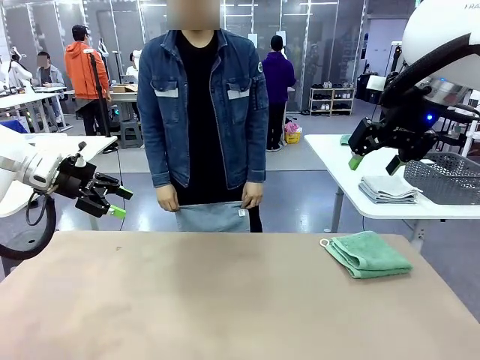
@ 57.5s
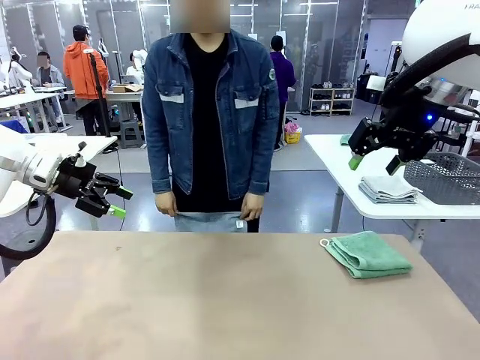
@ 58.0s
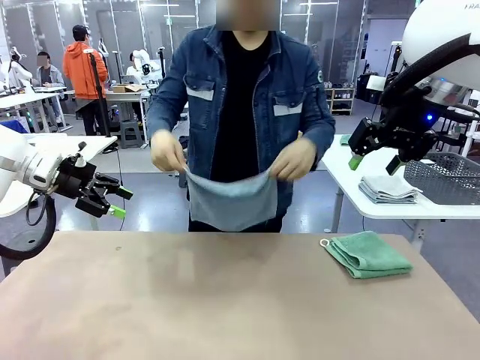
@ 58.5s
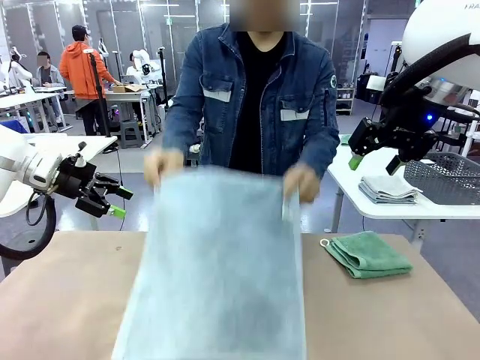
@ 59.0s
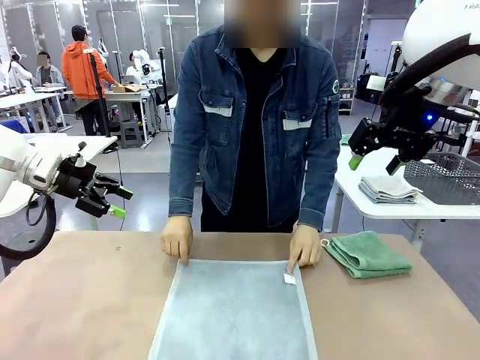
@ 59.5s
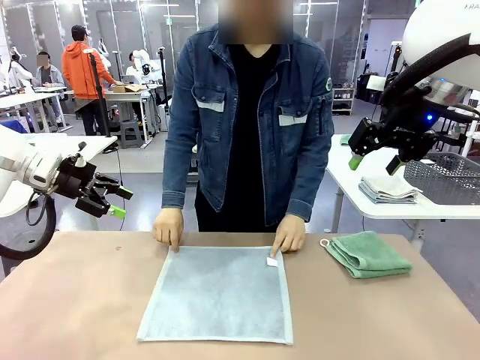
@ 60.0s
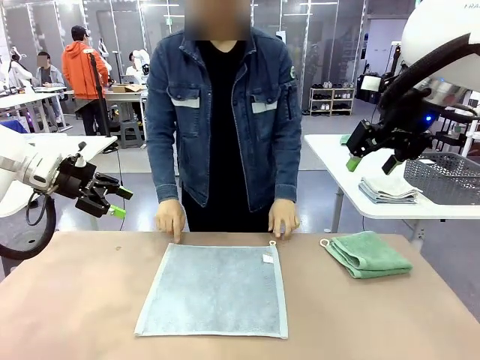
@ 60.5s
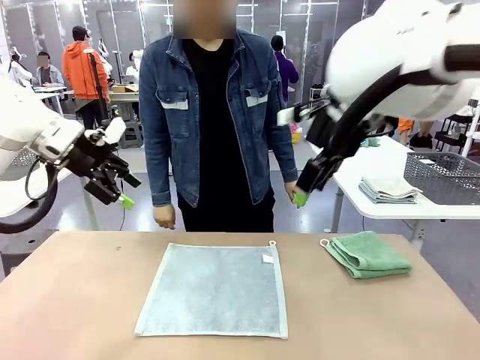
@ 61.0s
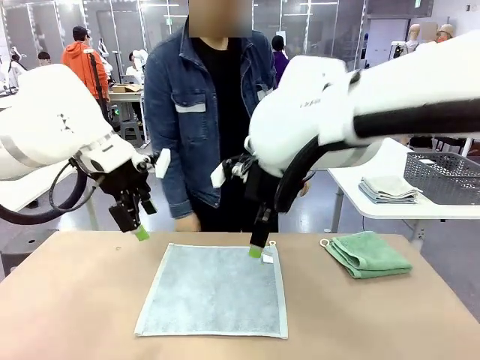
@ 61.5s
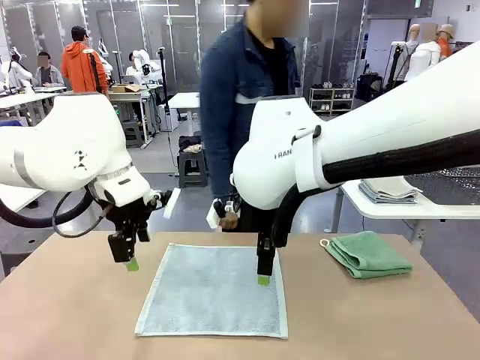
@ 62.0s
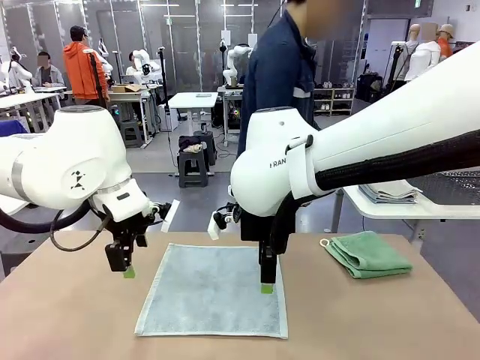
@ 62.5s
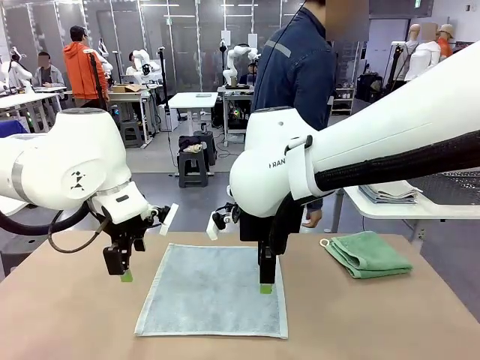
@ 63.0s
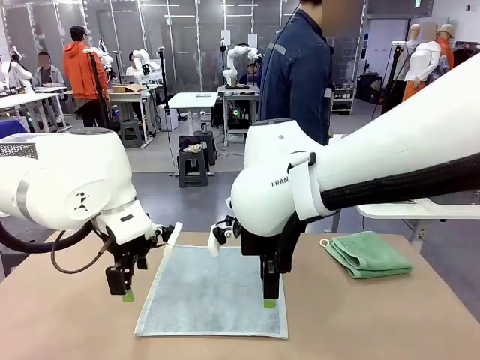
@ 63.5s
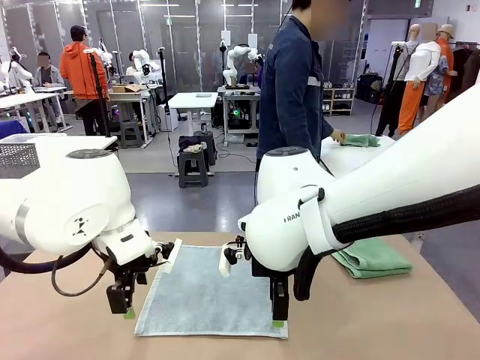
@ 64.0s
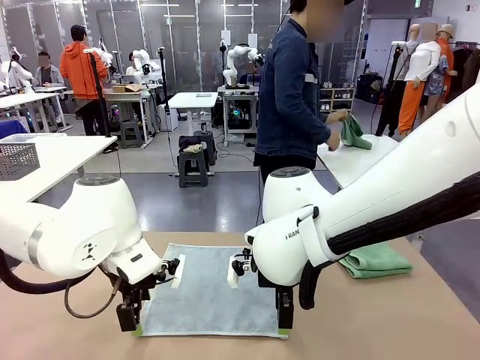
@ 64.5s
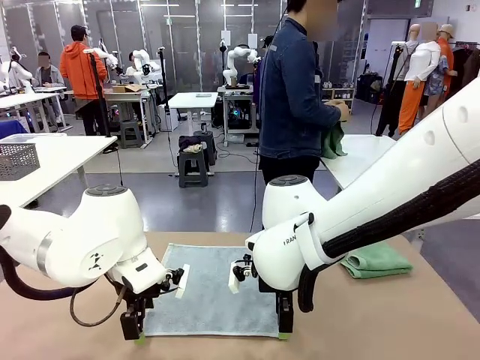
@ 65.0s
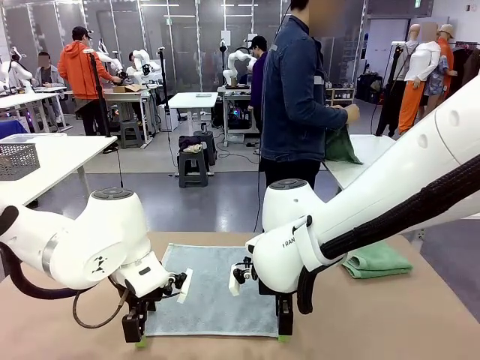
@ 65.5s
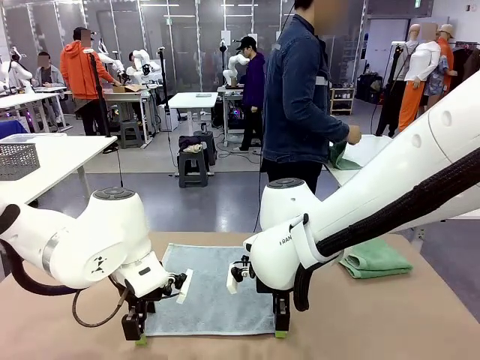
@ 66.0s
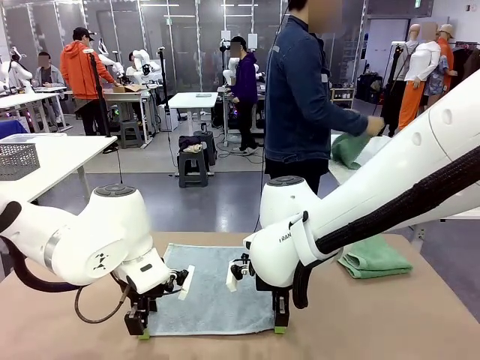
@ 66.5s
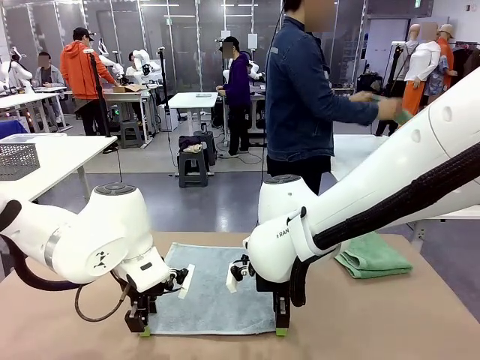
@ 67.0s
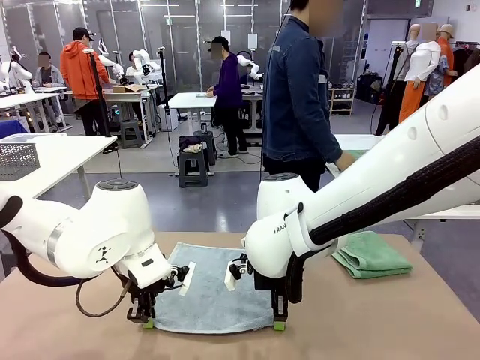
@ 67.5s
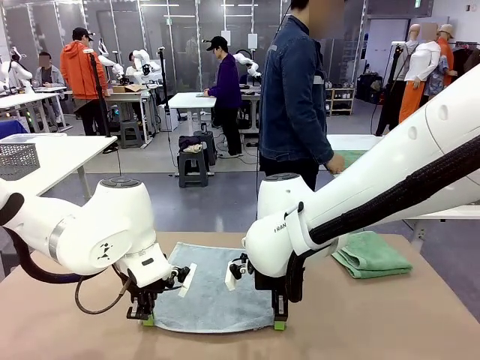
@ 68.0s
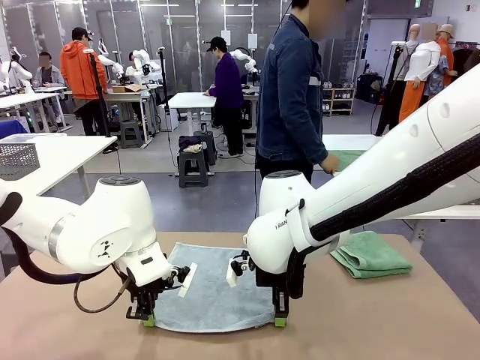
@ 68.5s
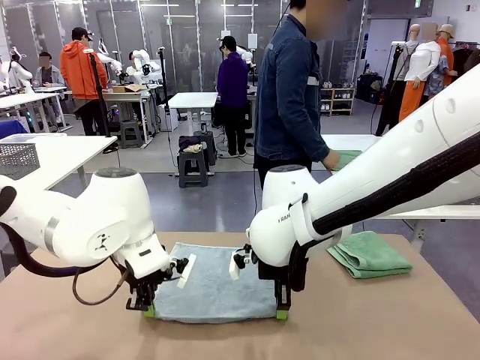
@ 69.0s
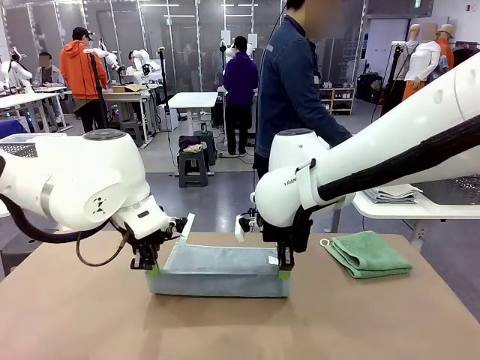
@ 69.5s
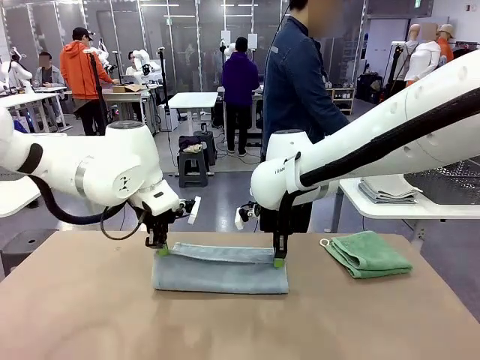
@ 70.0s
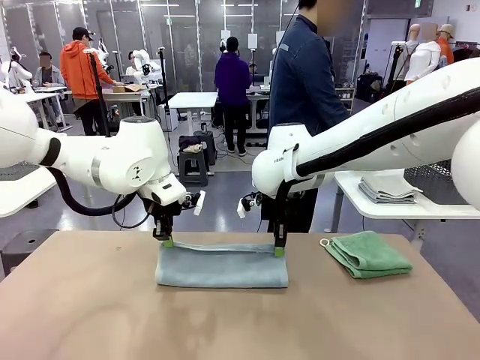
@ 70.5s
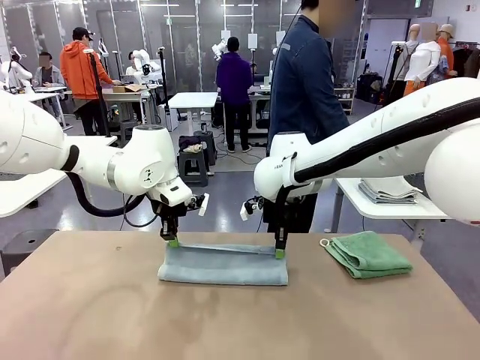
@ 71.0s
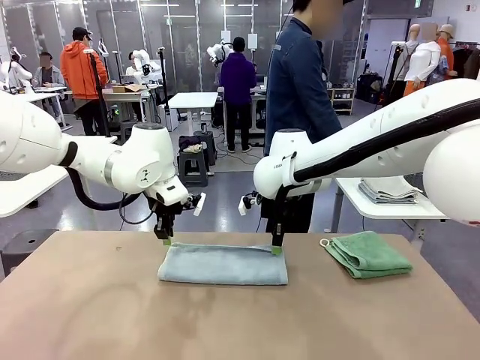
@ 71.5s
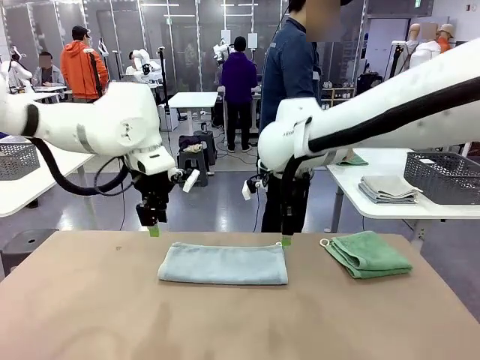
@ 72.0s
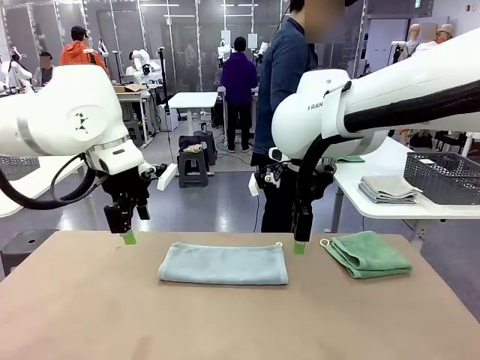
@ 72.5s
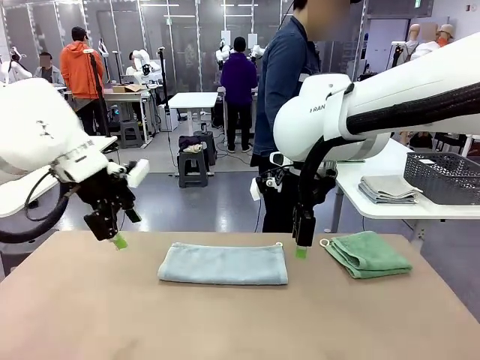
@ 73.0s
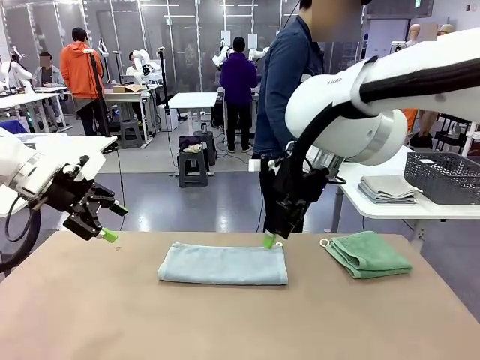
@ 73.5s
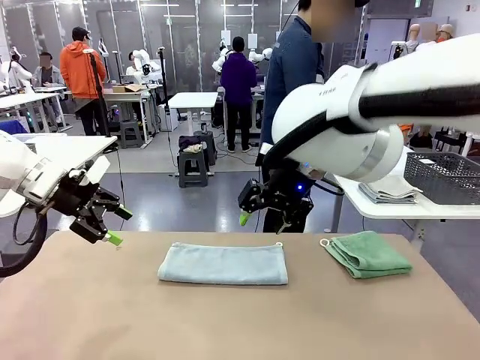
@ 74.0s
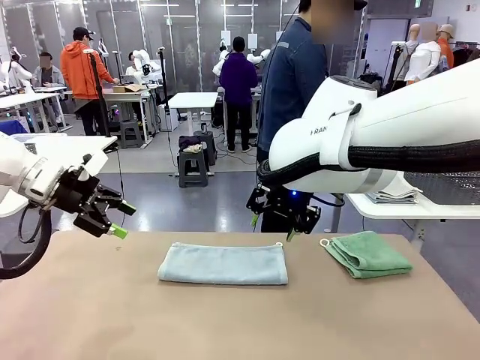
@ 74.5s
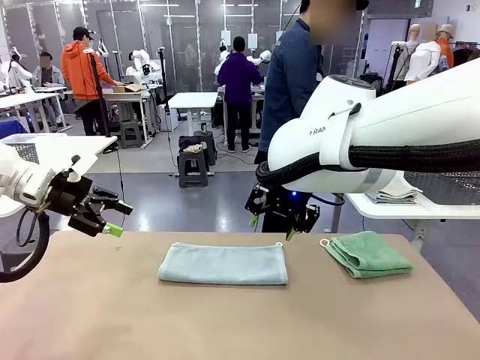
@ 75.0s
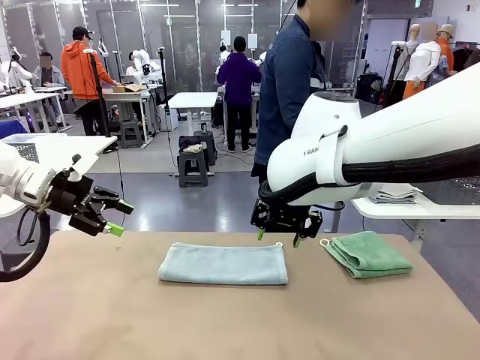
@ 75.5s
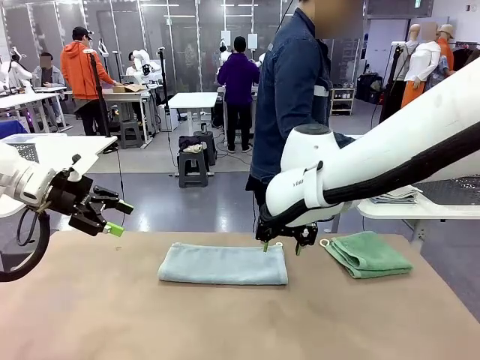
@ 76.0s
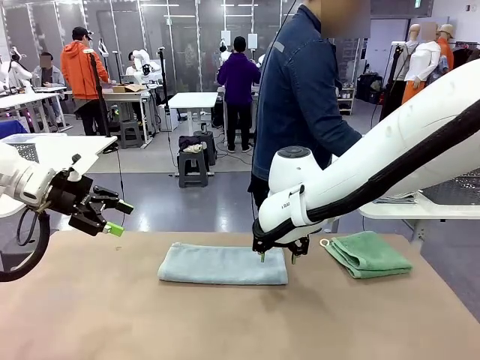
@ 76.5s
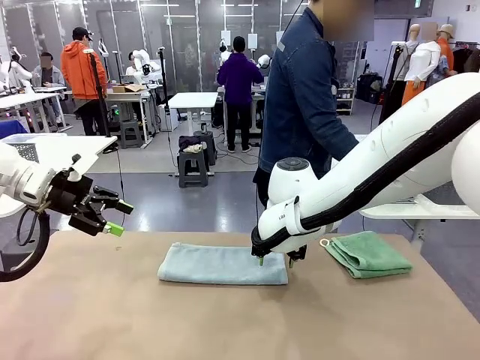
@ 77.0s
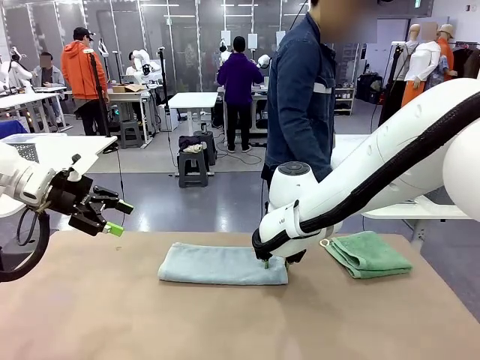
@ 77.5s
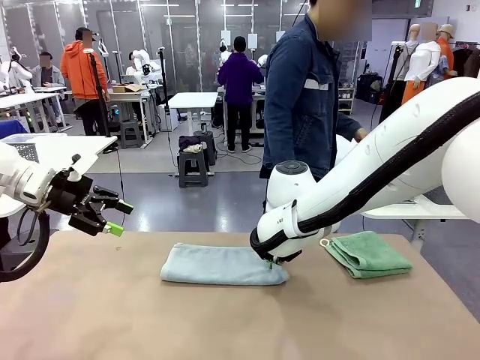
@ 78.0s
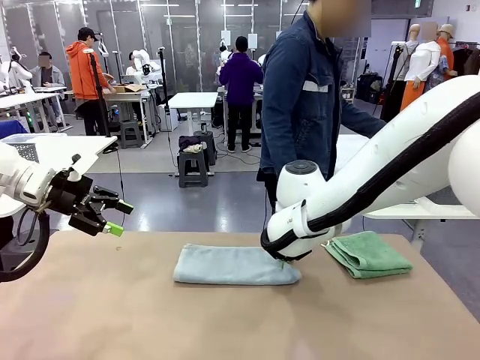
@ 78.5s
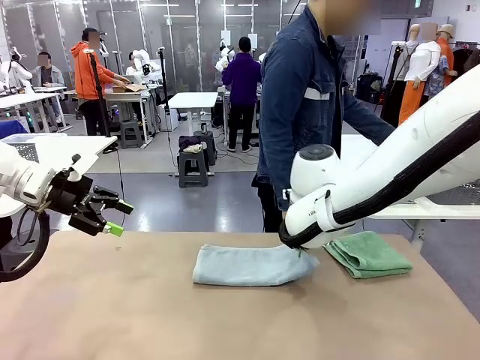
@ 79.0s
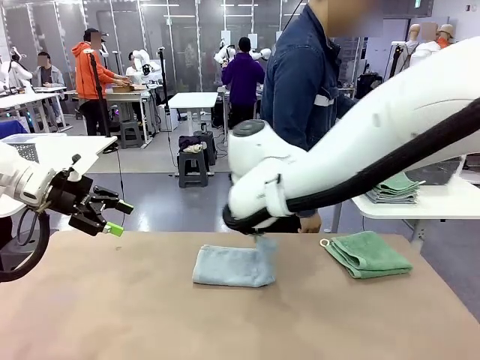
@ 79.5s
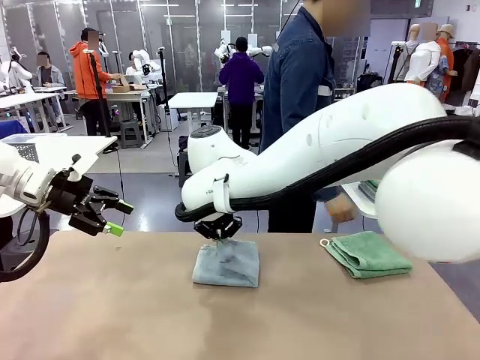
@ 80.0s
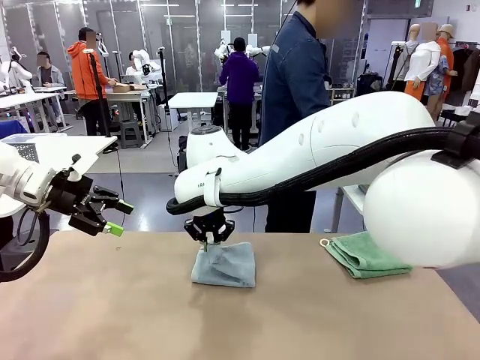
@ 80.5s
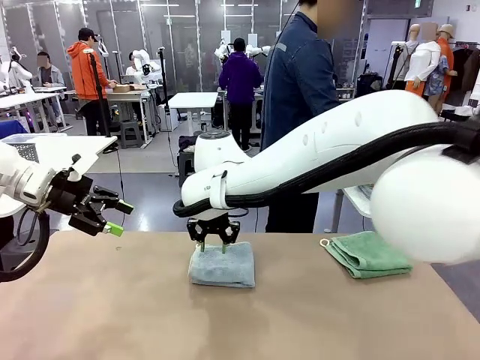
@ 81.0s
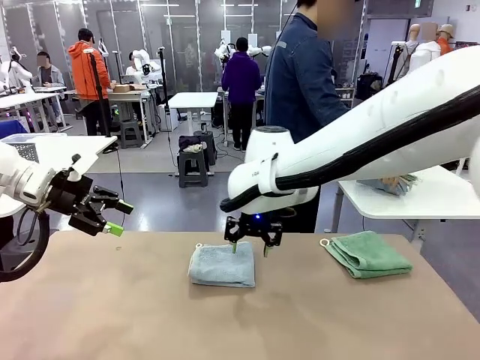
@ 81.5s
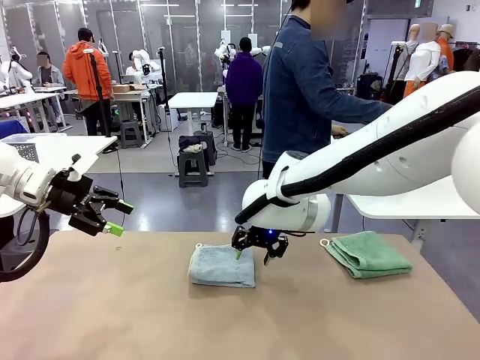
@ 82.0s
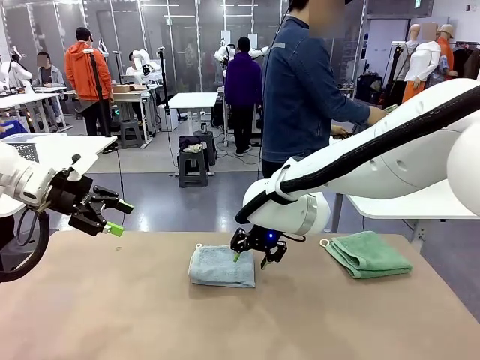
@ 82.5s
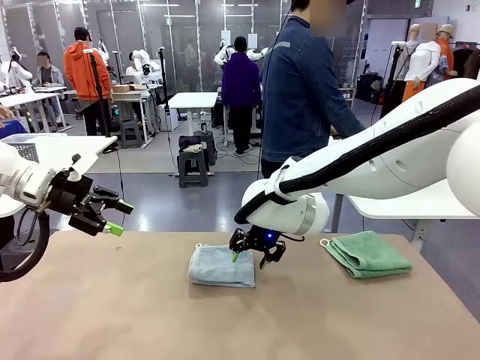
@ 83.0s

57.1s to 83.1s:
Task: Fold the towels and place them in the basket.
Robot: When a person lays out a Towel with hook on the table, fold it in half twice.
Person: Pick up one towel from the left side of the human table, fold it in half twice, and stack it on the right side of the table. Pick up the stack of towels from the right side of the human table, place it into the basket, and put the basket at the center of the table.
